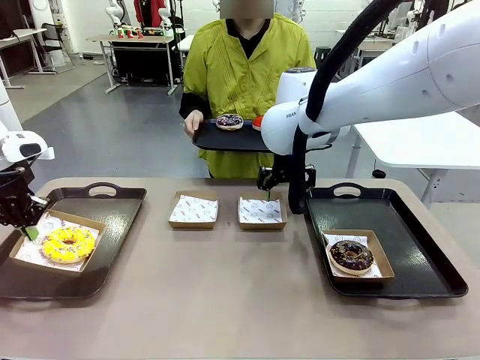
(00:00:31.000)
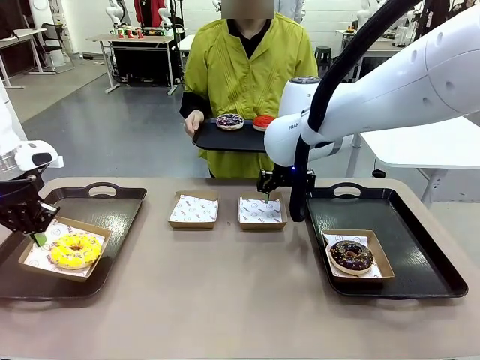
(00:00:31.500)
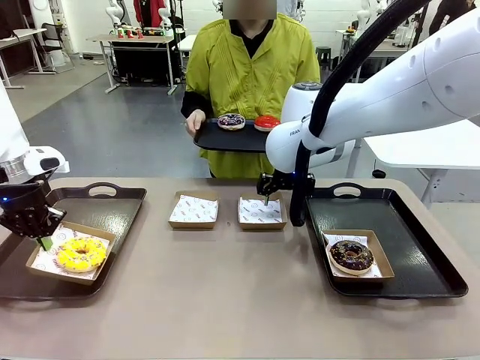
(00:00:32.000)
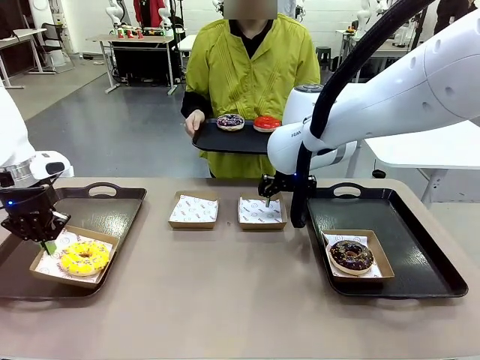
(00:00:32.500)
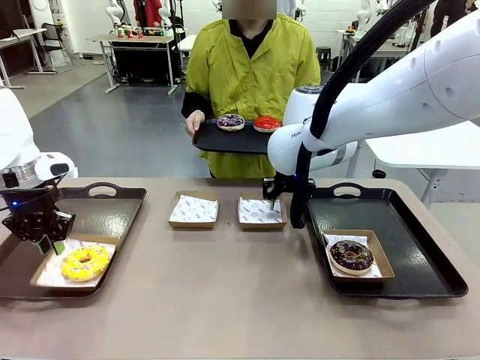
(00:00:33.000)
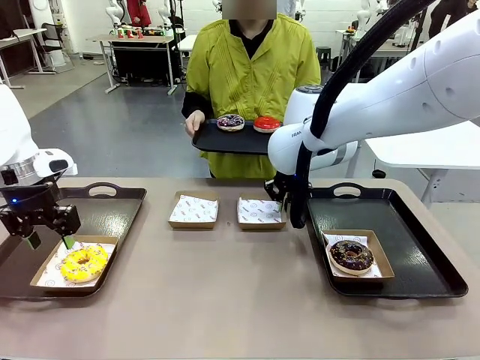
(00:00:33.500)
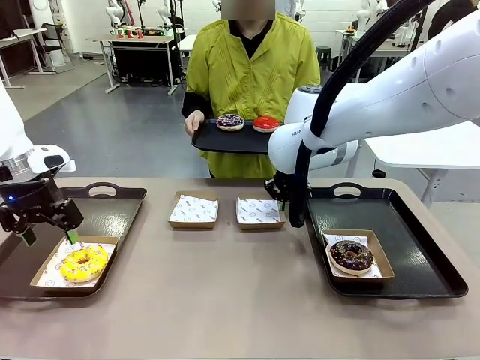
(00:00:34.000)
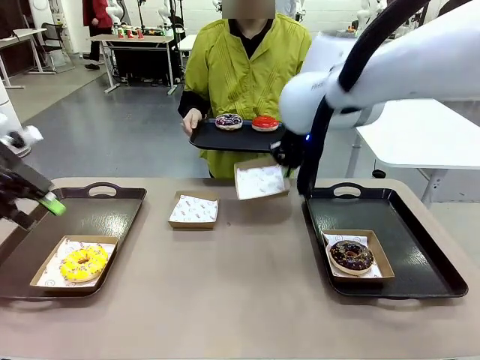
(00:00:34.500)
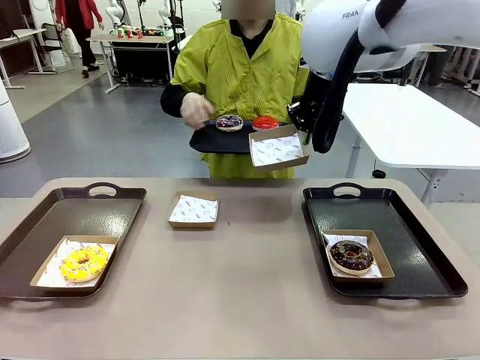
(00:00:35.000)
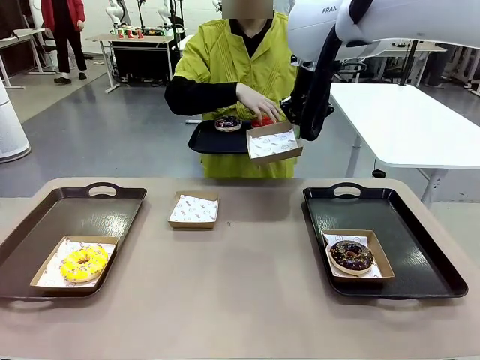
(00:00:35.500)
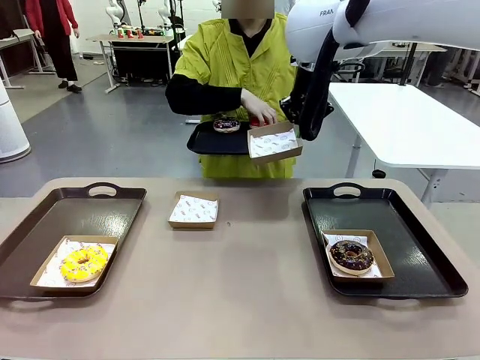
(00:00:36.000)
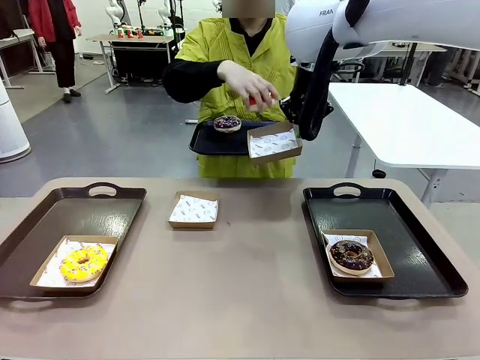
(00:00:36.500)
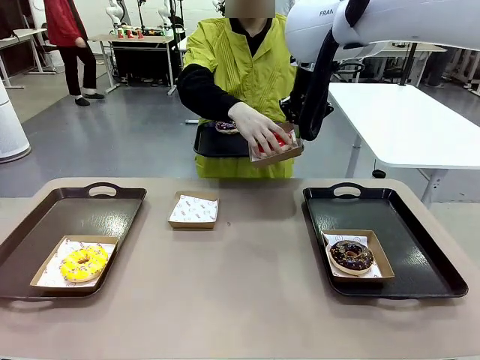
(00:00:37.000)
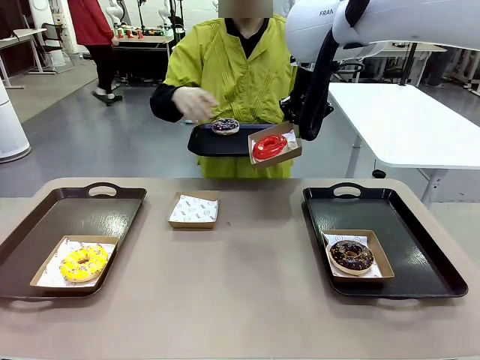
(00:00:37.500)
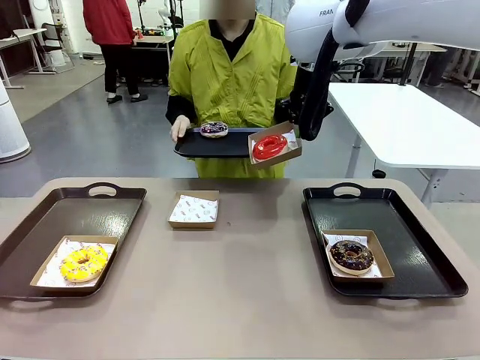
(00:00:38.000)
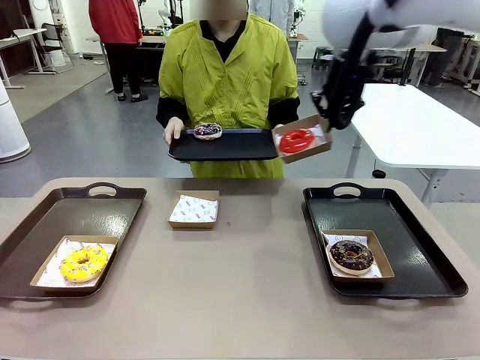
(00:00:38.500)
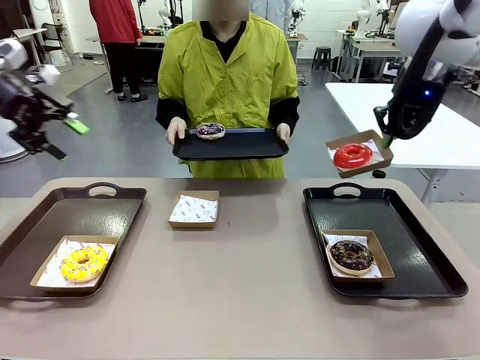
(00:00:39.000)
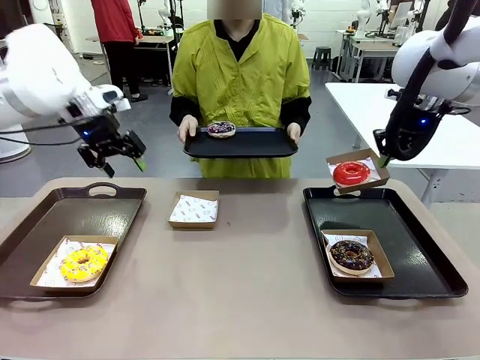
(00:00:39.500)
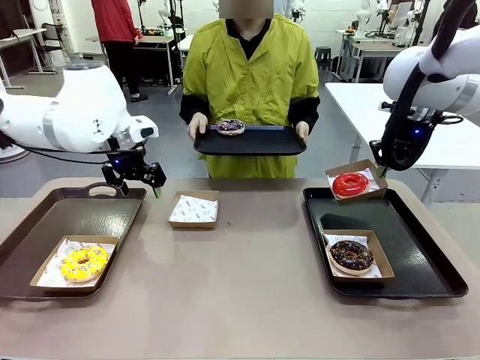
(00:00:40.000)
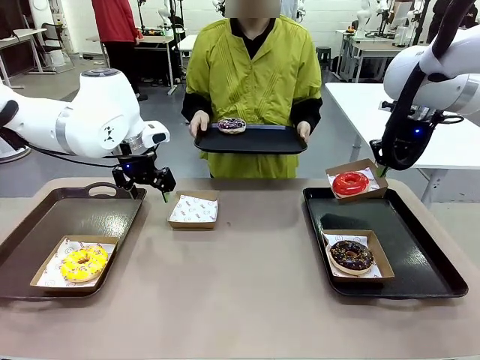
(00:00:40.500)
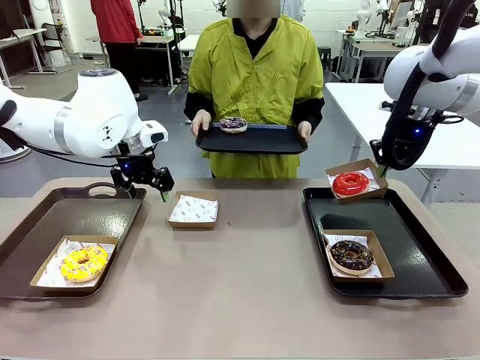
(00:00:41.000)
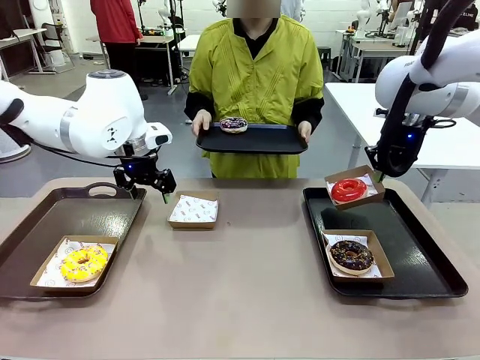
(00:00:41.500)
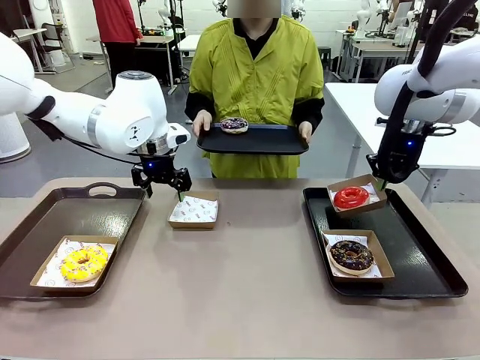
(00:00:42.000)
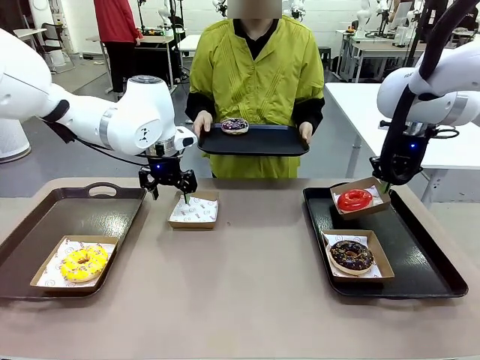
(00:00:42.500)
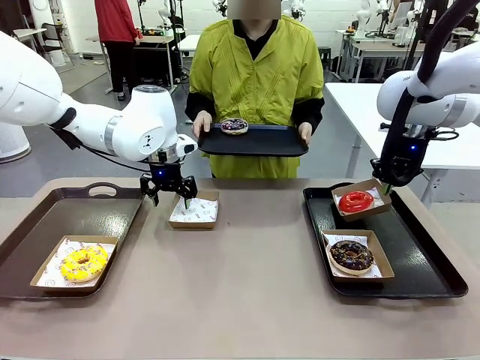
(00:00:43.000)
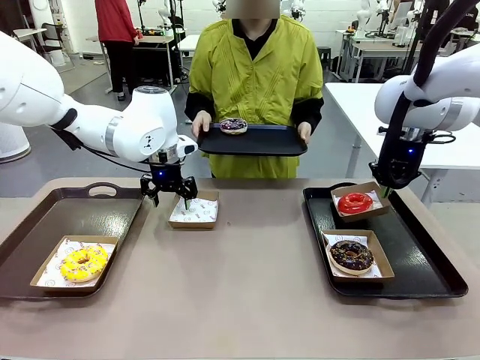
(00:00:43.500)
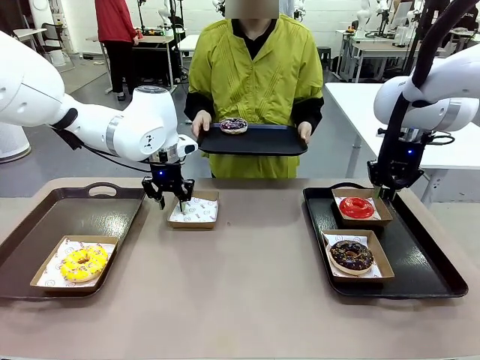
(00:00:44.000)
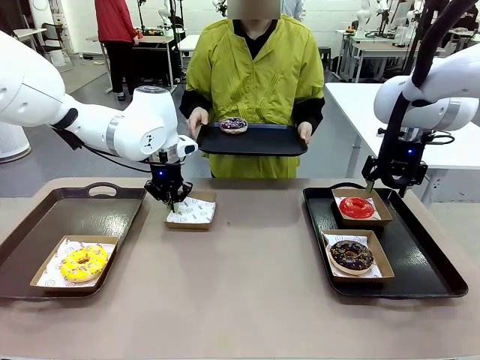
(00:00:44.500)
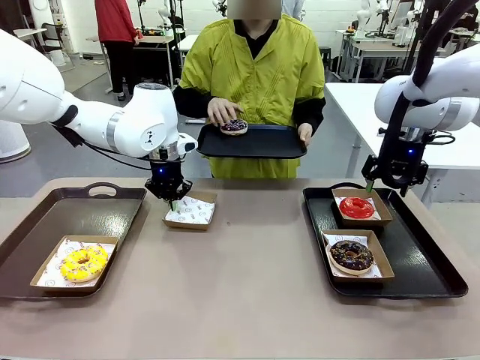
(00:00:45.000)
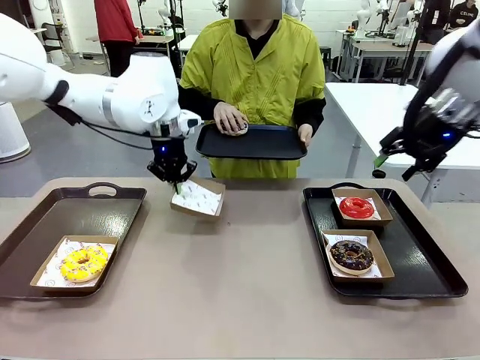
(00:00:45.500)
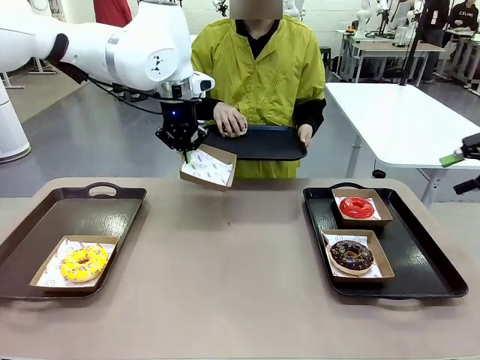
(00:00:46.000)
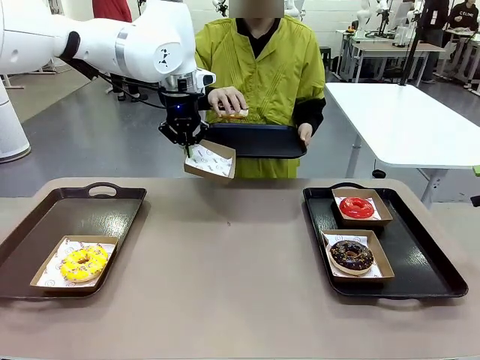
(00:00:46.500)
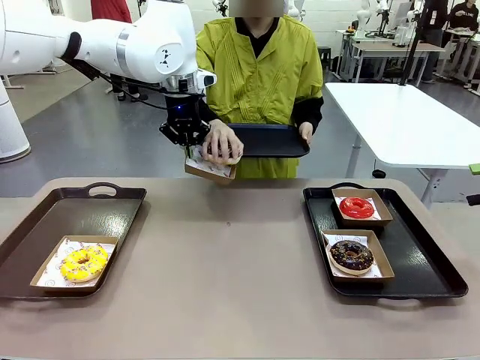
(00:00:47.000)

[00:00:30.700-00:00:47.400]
Task: Individually package the donuts and arrange them on the tray.
Robot: Place the picked Paper togo box on the Handle tray while simultaneously picking up another Paper togo box from the table with the other hand.

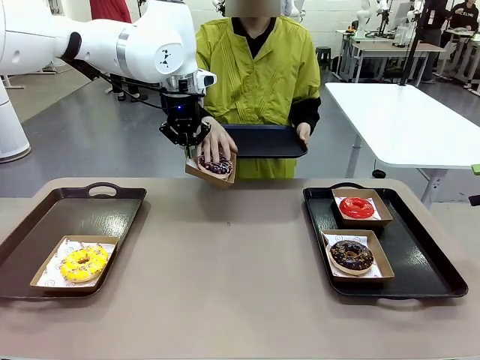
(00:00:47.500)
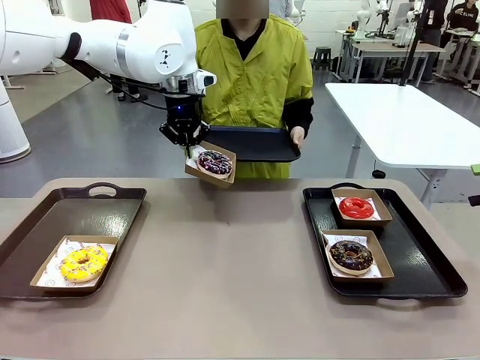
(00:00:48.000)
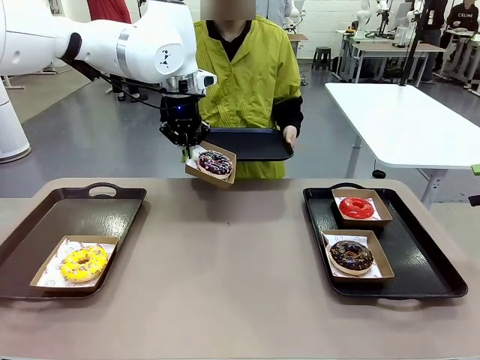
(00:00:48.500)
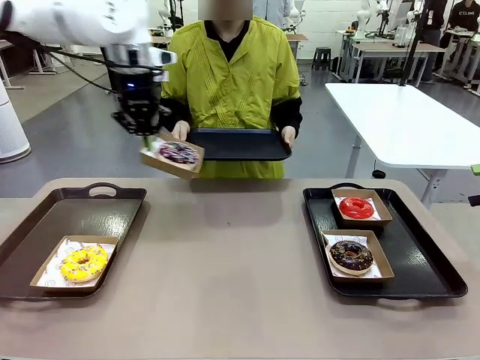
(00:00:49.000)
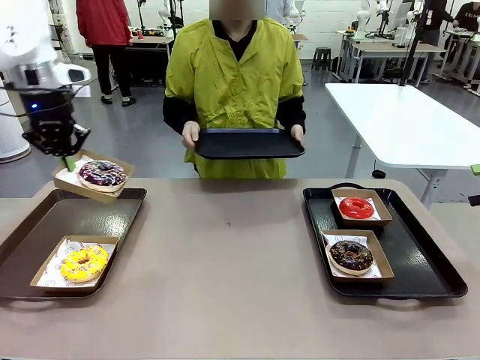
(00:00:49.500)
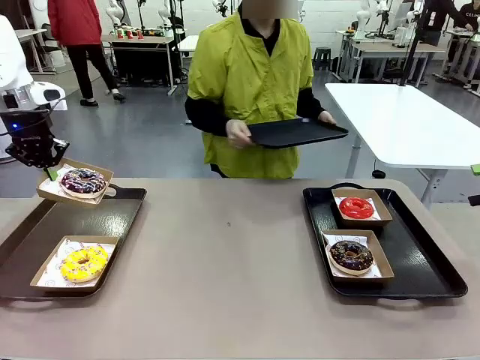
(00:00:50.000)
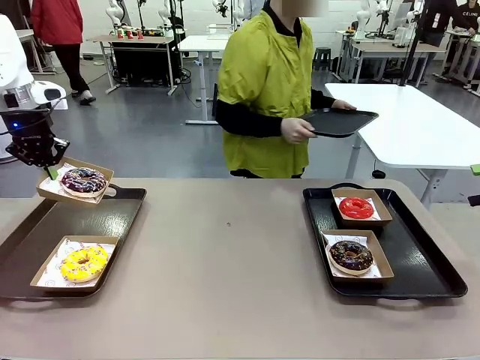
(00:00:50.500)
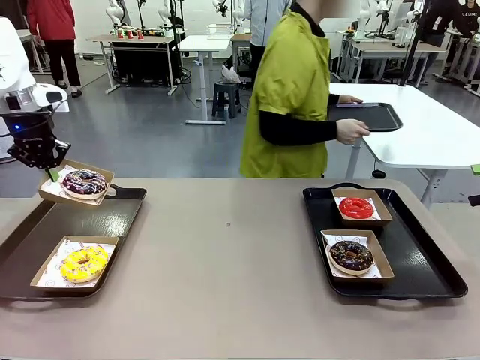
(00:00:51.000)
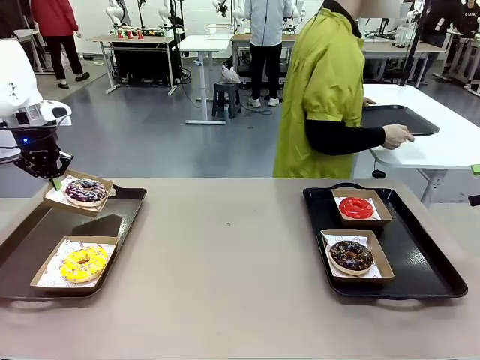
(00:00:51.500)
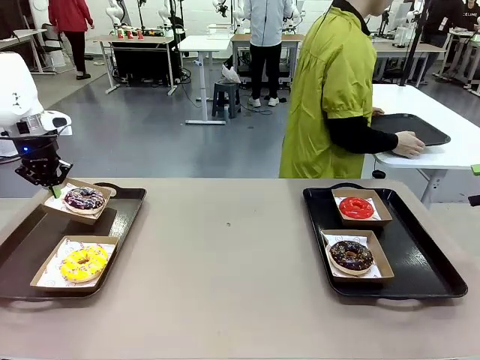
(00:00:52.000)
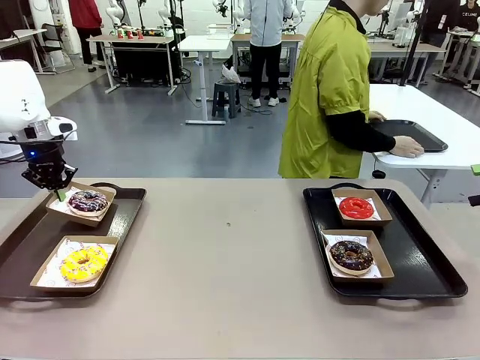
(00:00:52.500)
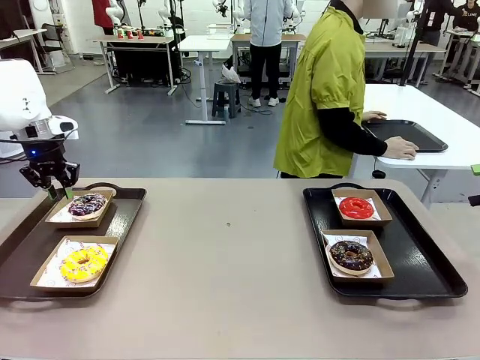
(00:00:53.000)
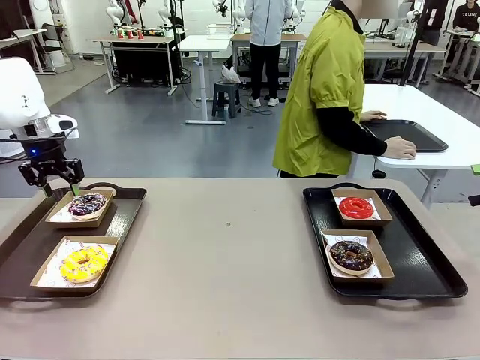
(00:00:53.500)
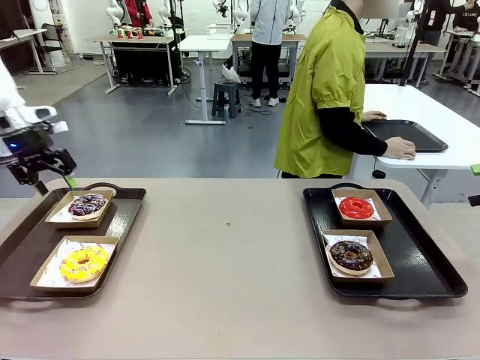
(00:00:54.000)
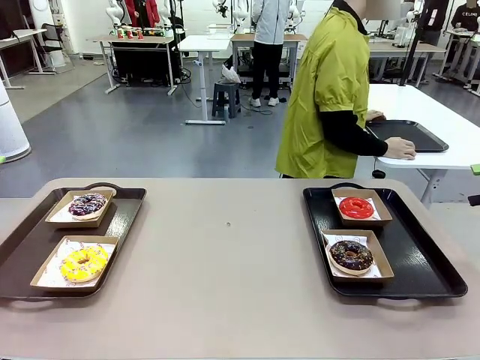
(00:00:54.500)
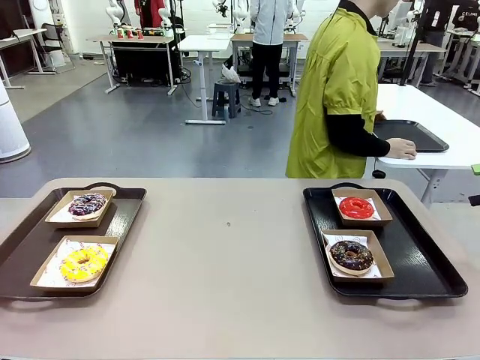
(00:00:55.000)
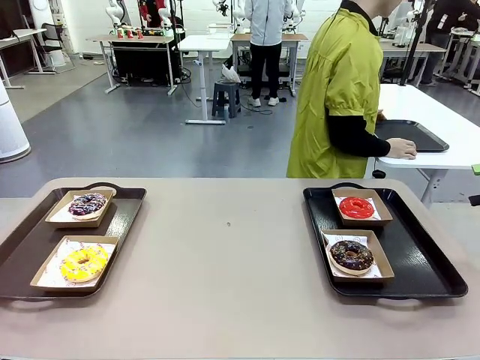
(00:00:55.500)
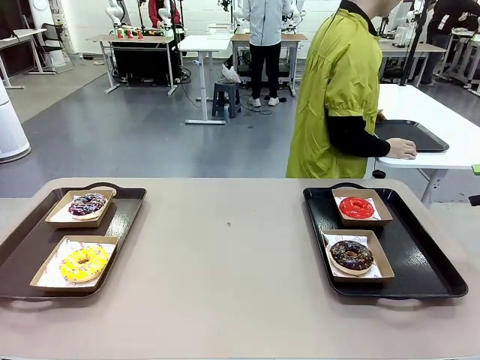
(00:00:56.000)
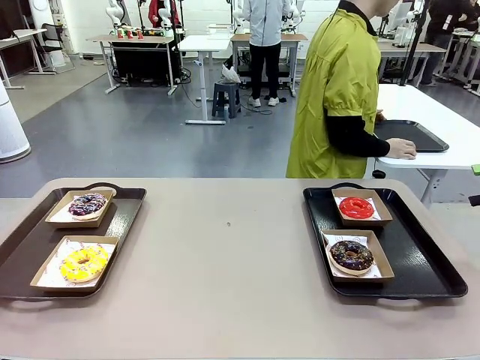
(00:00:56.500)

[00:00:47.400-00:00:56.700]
Robot: Place the picked Paper togo box on the Handle tray.
Person: Place the tray down in the middle of the human table.
